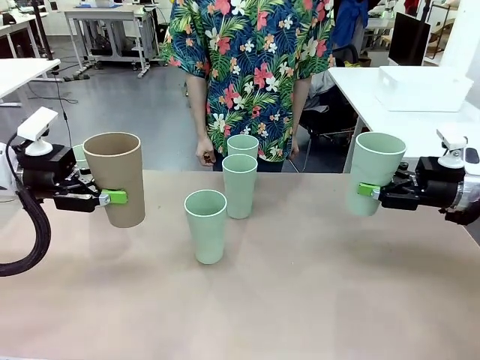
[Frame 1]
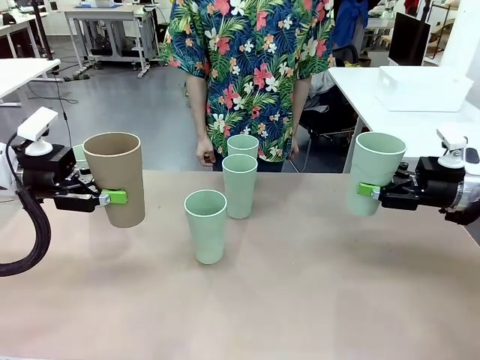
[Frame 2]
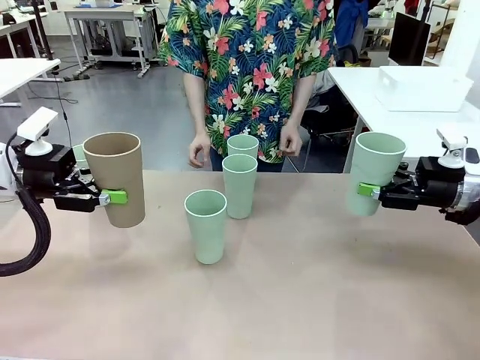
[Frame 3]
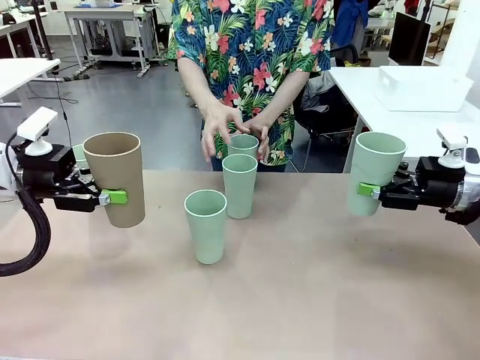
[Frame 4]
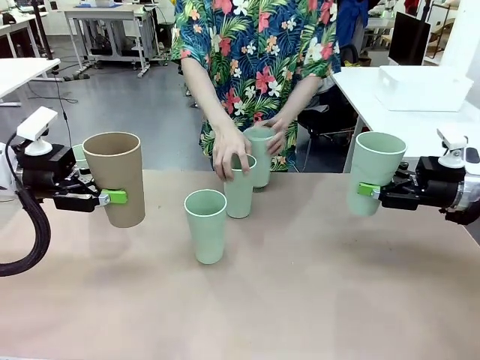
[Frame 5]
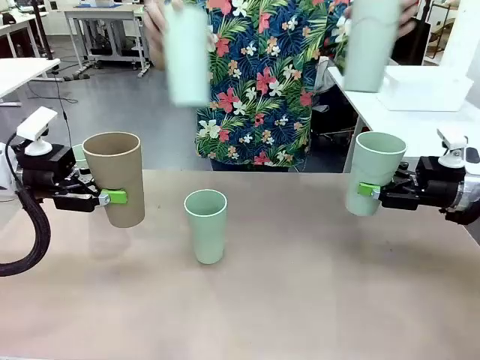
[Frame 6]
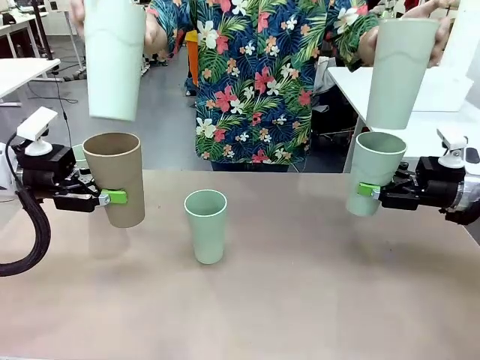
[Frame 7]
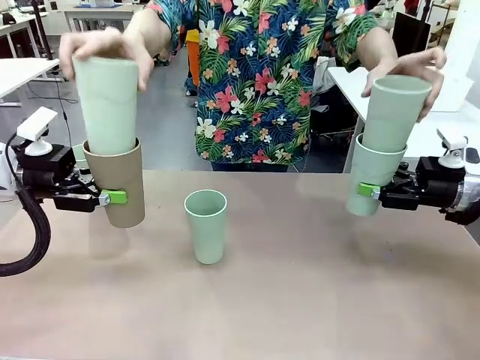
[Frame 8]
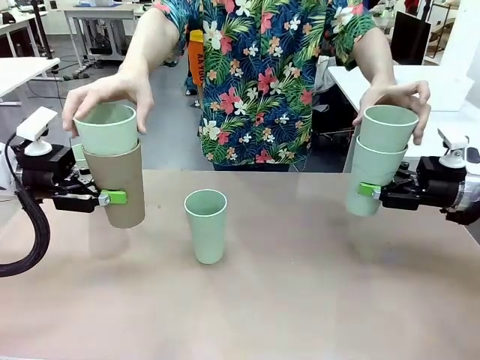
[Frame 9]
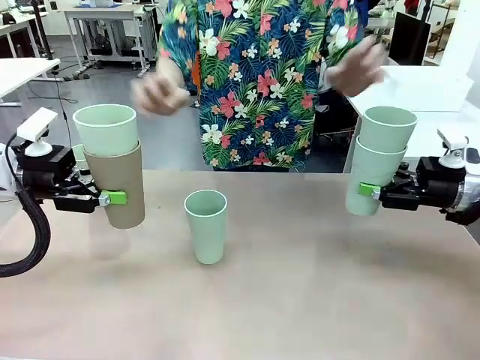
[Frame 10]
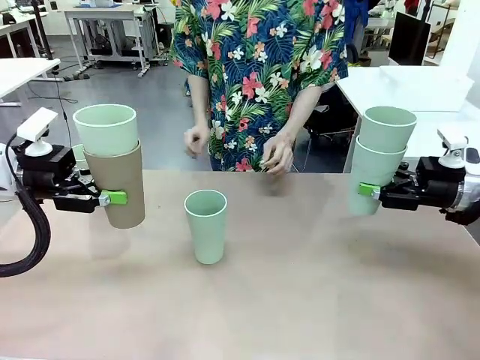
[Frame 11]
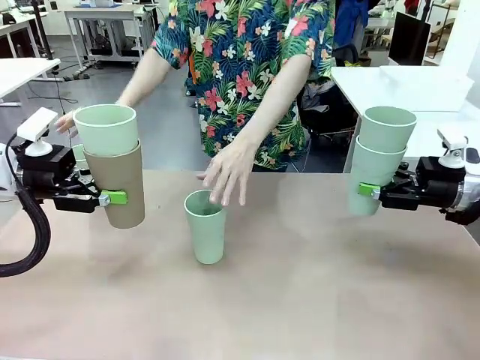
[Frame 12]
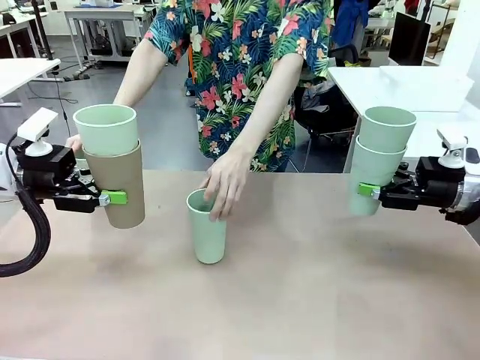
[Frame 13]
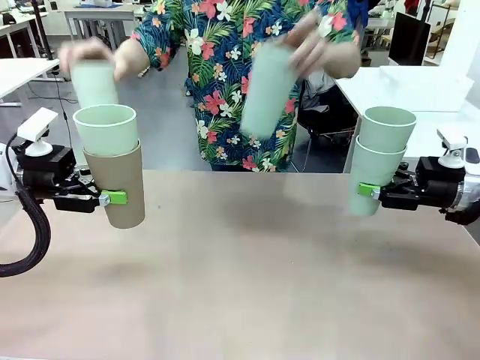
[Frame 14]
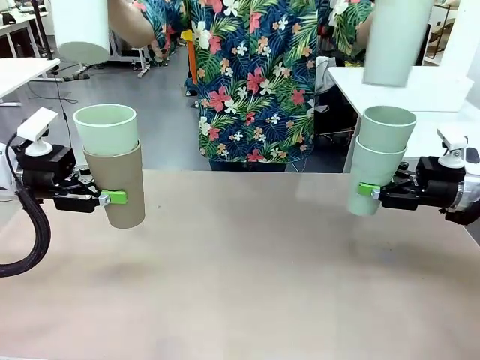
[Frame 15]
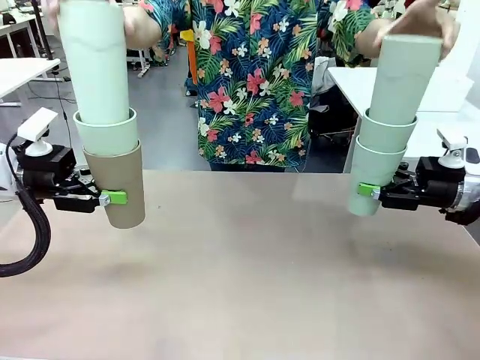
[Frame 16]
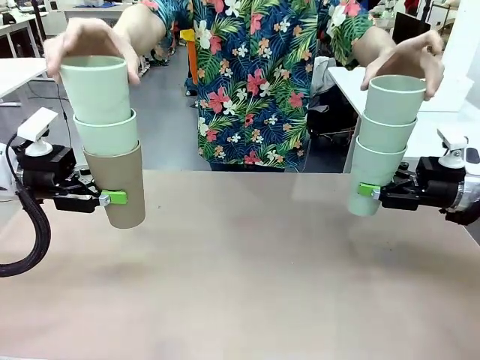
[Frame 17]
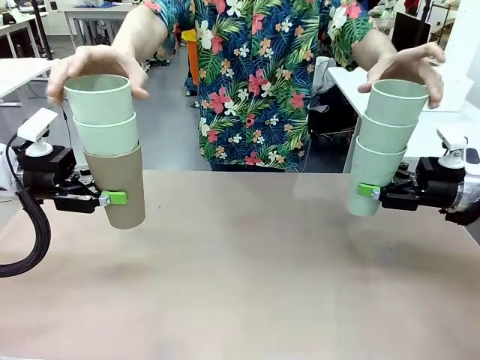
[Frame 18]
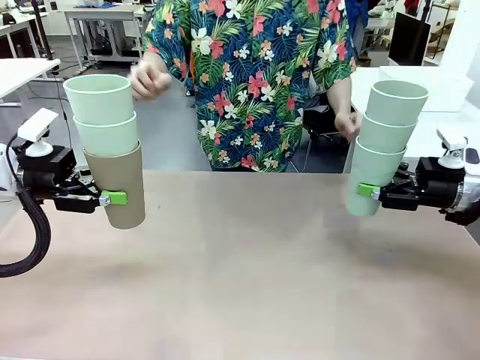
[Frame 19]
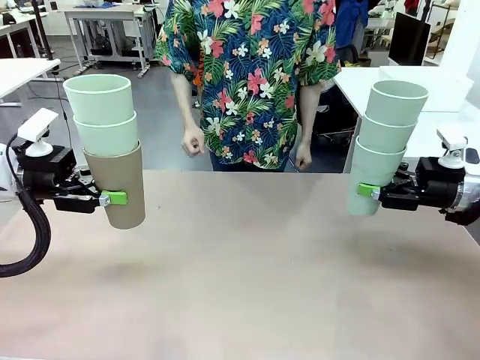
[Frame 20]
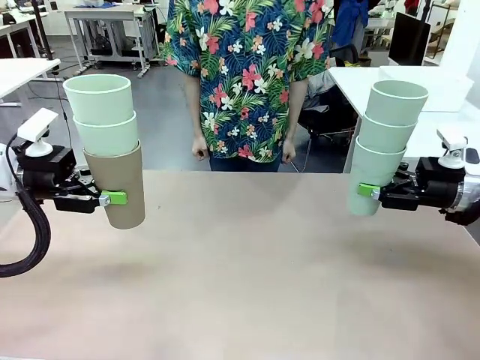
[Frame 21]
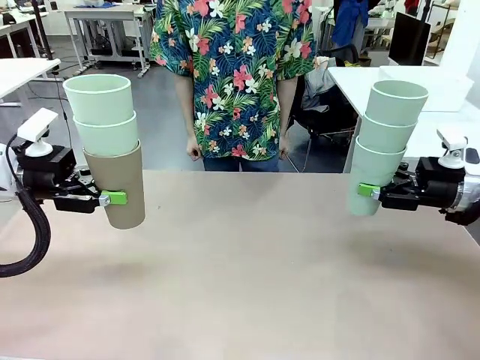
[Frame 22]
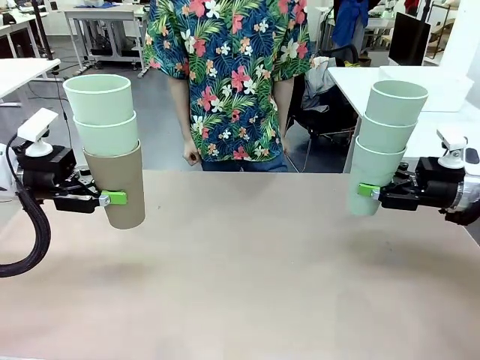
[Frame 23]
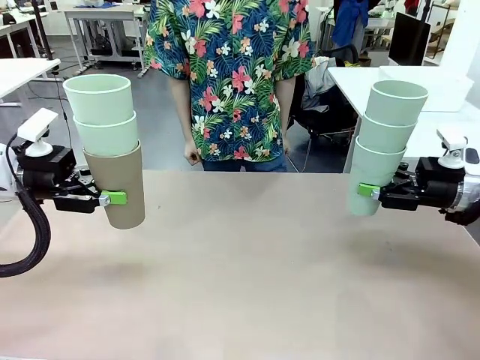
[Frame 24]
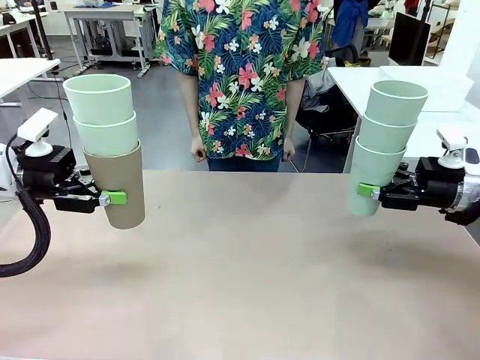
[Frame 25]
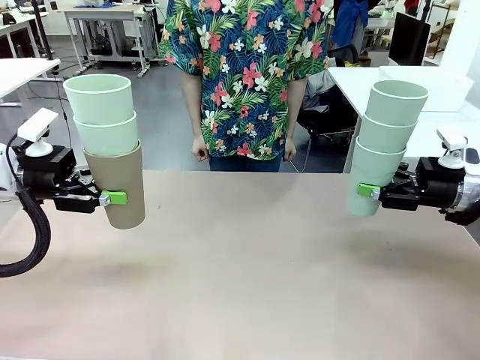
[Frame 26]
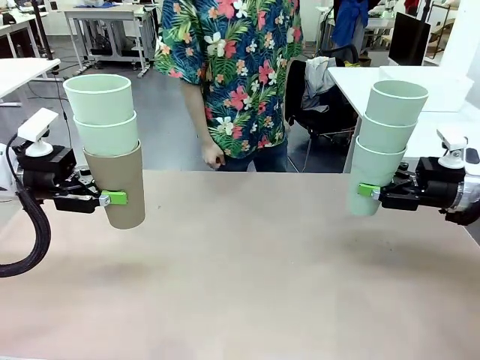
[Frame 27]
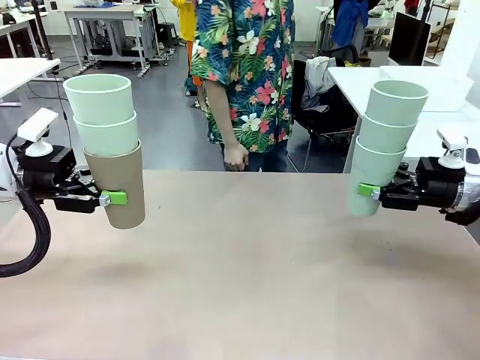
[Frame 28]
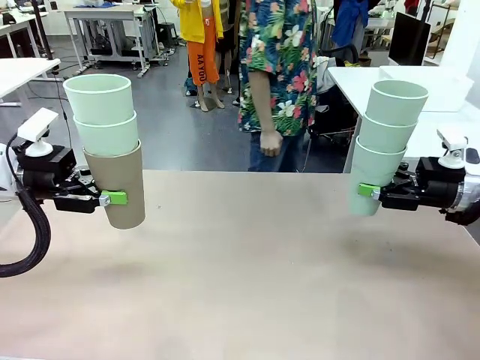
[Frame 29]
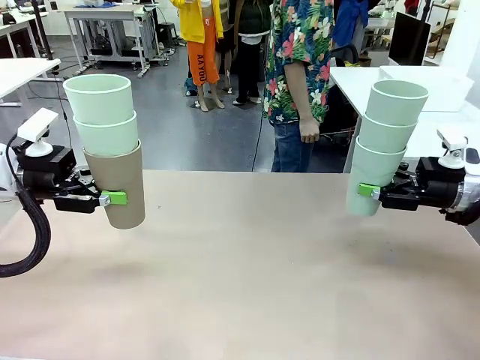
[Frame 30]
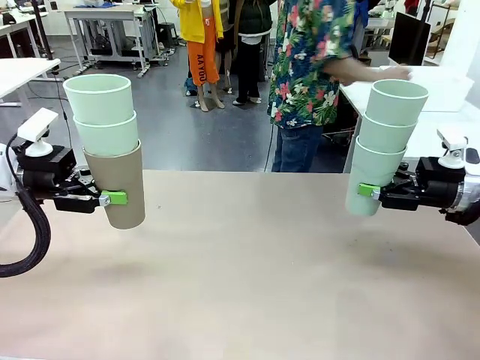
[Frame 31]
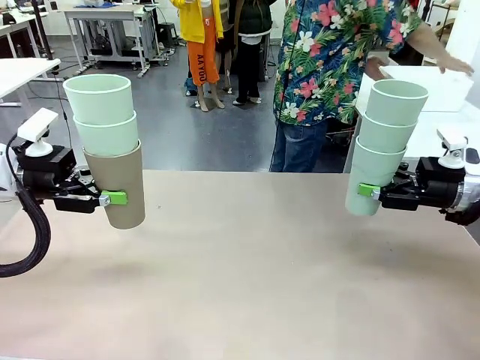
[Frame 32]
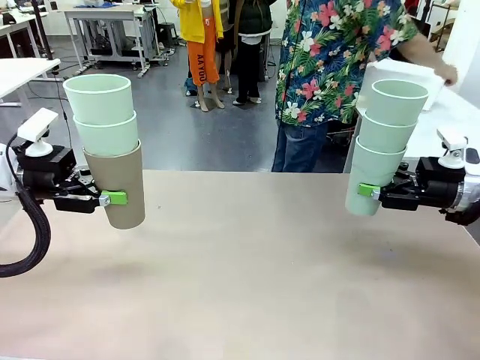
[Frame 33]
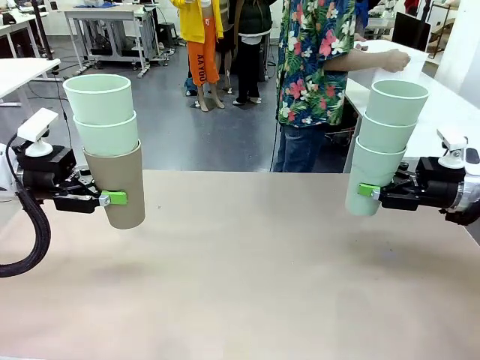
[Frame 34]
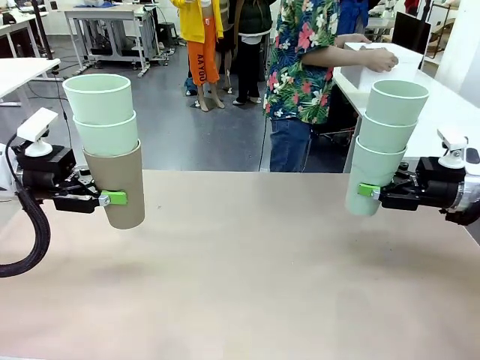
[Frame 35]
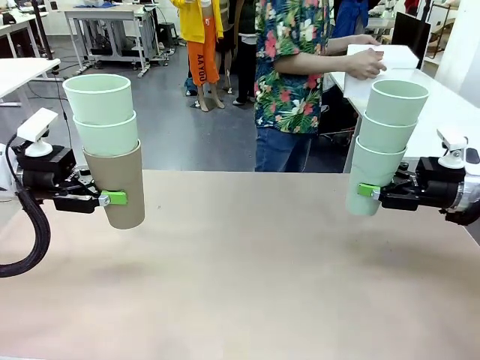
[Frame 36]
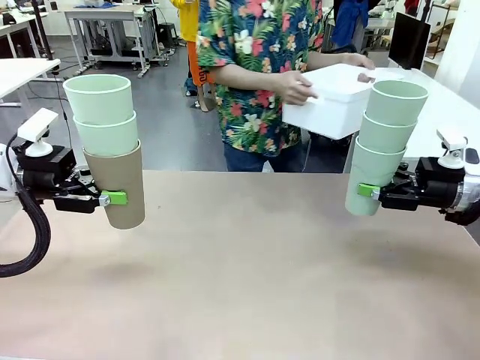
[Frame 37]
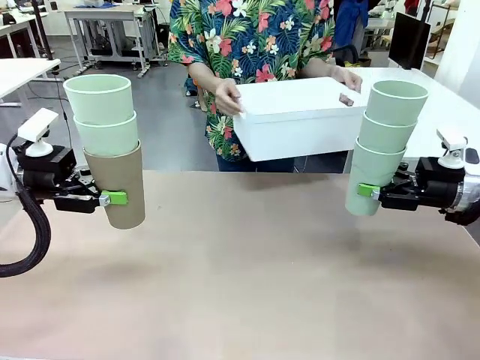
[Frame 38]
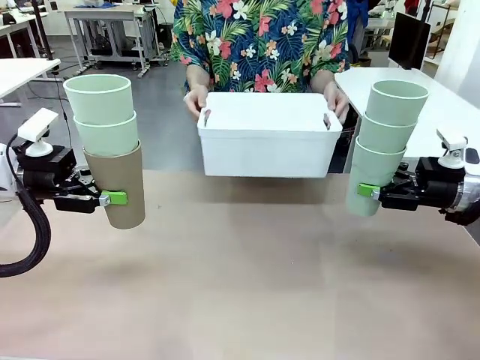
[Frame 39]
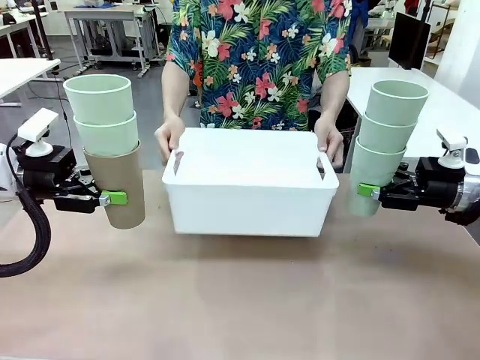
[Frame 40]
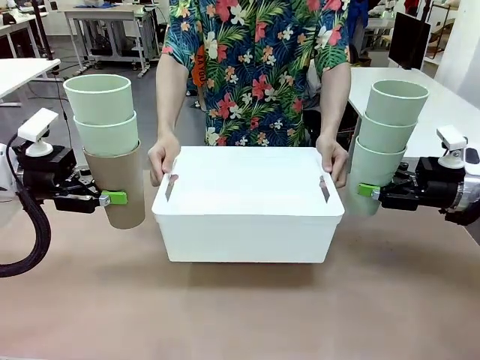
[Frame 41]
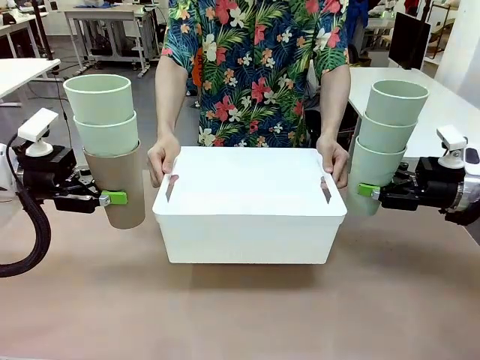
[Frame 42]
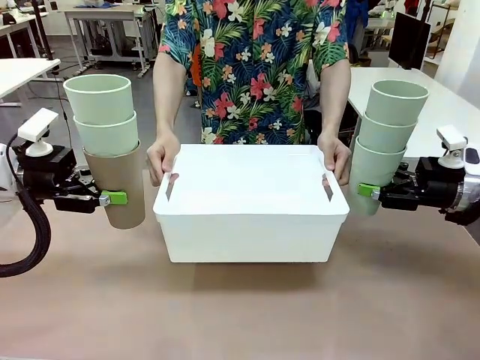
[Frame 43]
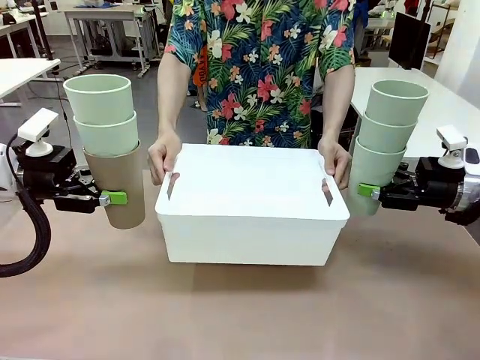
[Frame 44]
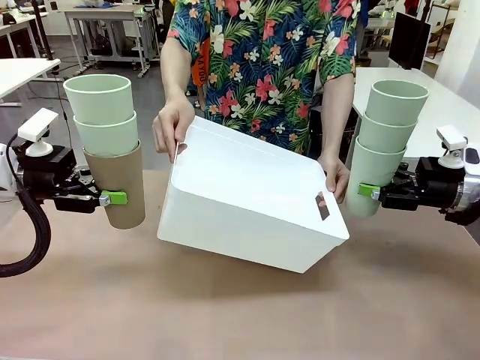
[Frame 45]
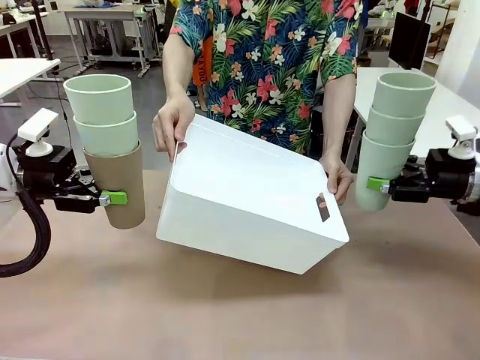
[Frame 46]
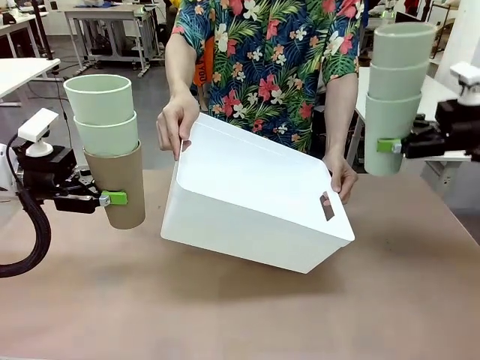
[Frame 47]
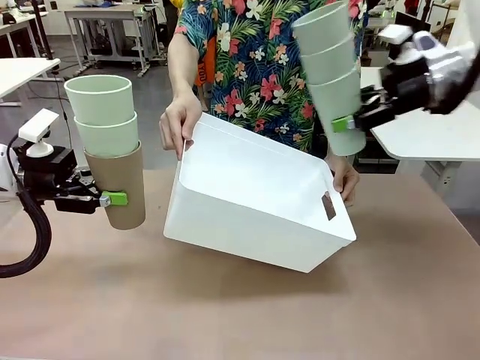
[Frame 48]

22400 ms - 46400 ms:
Task: Stack the cups and store them in the basket.
Robot: Place the stack of Reusable plastic cups into the Pantry Basket.
Person: Pick up the basket from the Human Table, bring it to the front of the robot, and present it.

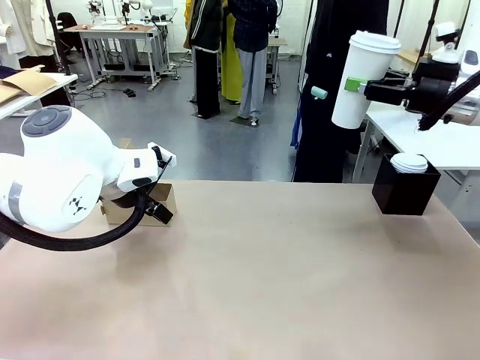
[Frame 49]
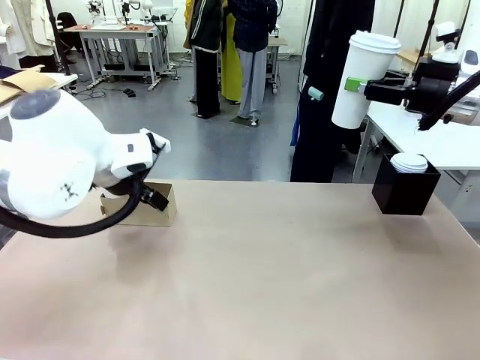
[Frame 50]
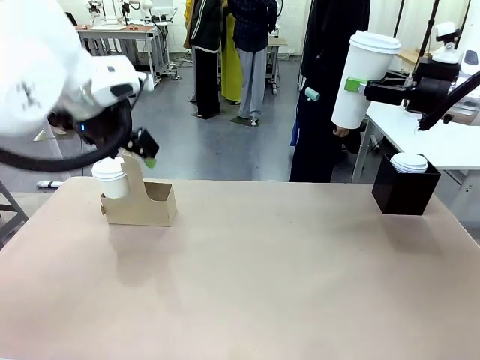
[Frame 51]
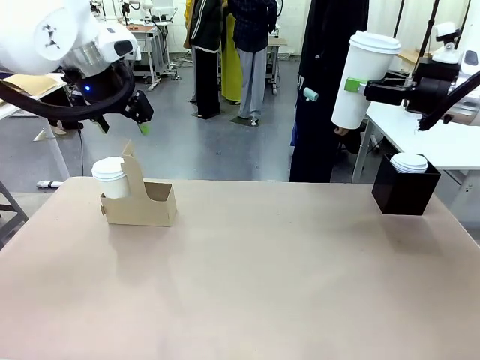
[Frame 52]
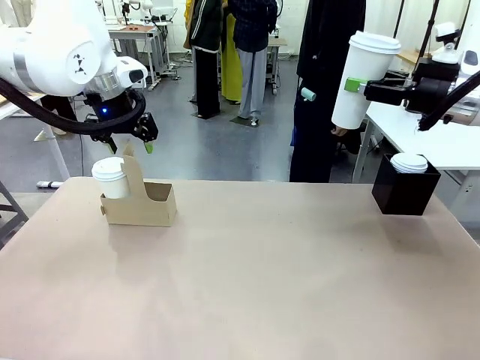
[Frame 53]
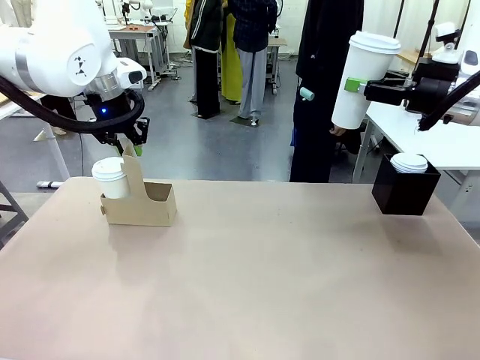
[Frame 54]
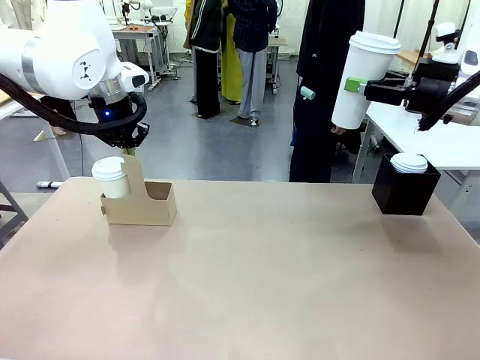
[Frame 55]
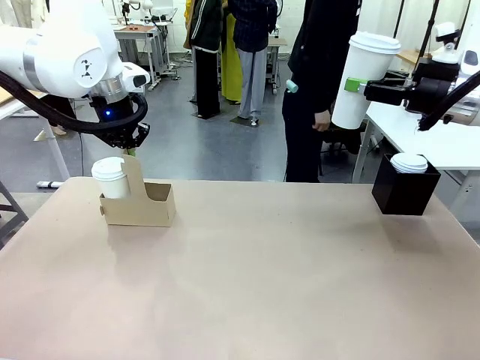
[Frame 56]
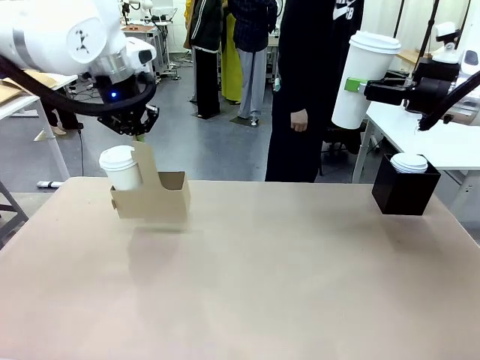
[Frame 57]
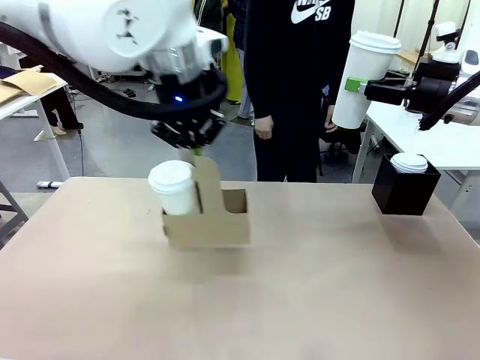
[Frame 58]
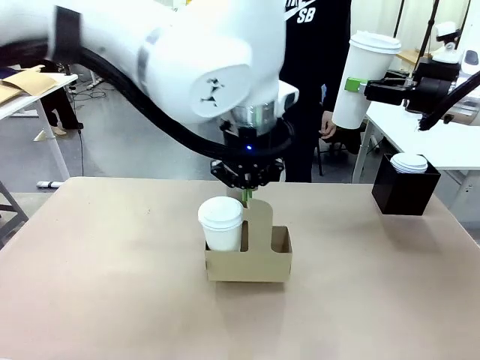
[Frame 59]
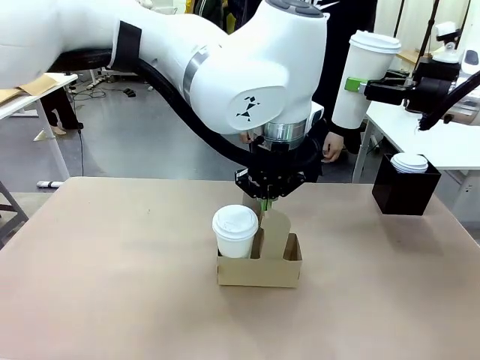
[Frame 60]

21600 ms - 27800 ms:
Task: Pour a drink into a cup and package it in a carrier.
Robot: Position the Cup Carrier in the center of the table.
Person: Pick up the Filter Brewing and place on the middle of Human table, and return to the Robot table.
